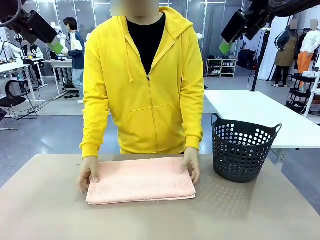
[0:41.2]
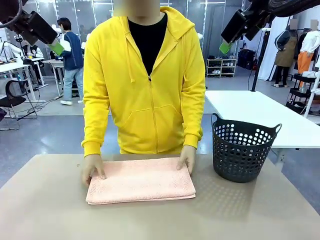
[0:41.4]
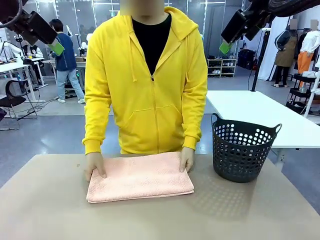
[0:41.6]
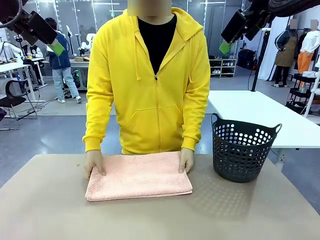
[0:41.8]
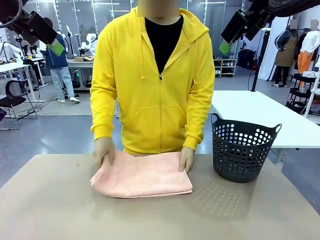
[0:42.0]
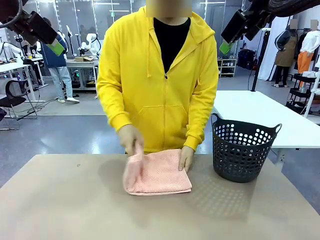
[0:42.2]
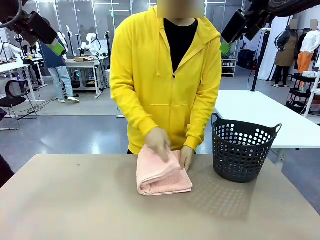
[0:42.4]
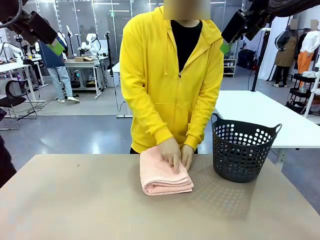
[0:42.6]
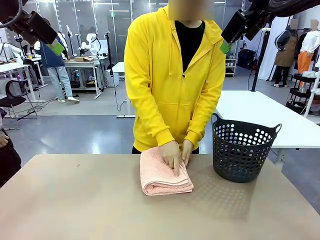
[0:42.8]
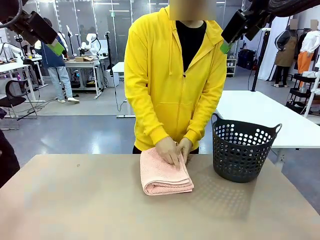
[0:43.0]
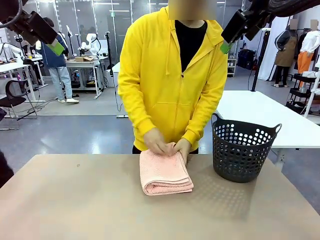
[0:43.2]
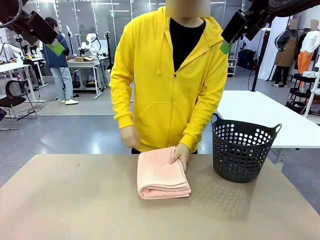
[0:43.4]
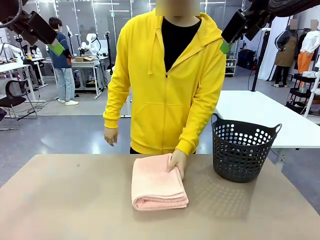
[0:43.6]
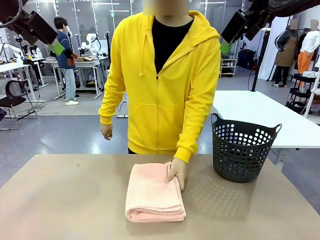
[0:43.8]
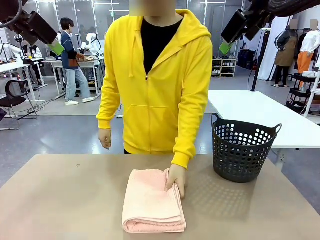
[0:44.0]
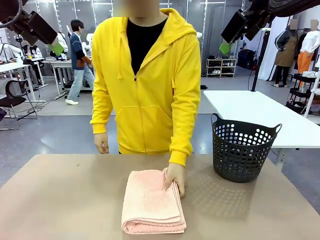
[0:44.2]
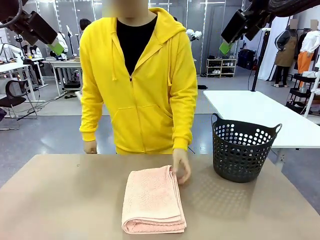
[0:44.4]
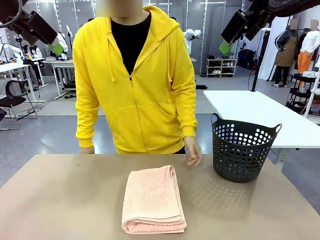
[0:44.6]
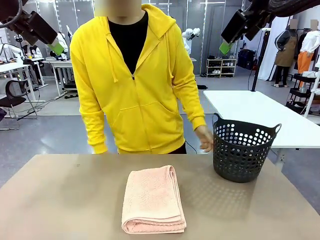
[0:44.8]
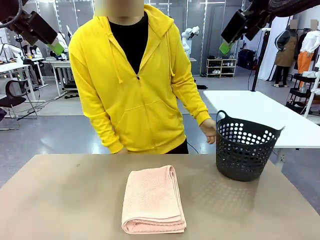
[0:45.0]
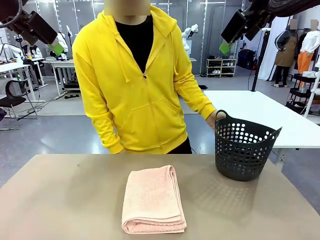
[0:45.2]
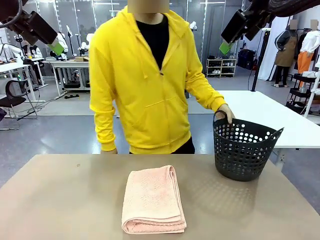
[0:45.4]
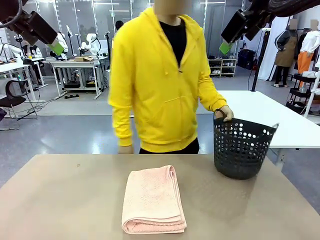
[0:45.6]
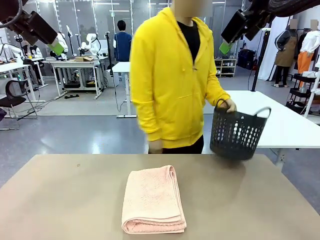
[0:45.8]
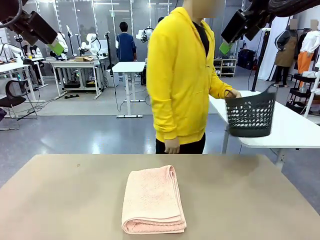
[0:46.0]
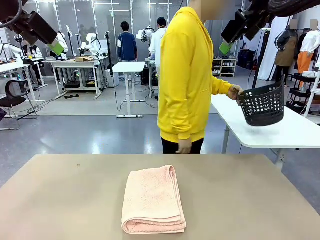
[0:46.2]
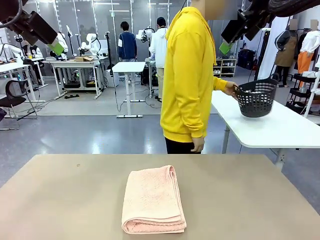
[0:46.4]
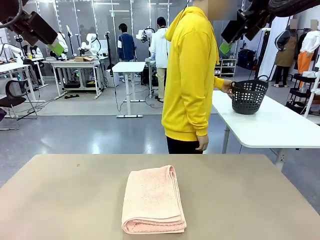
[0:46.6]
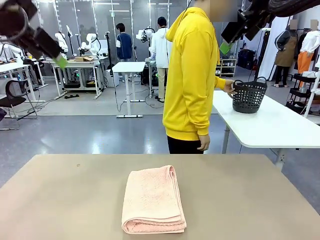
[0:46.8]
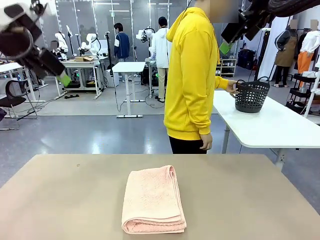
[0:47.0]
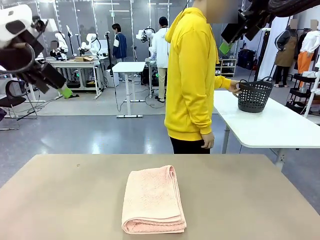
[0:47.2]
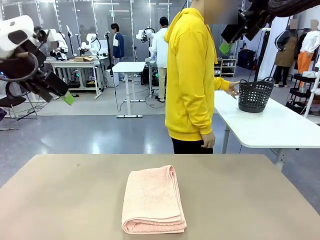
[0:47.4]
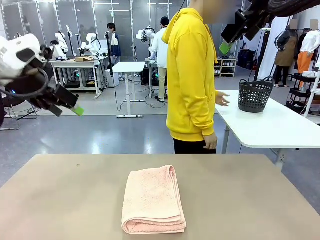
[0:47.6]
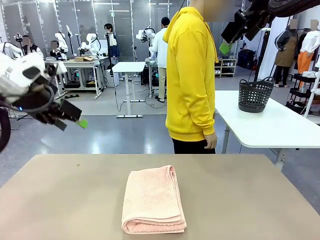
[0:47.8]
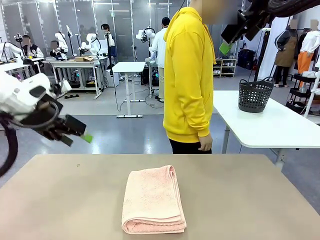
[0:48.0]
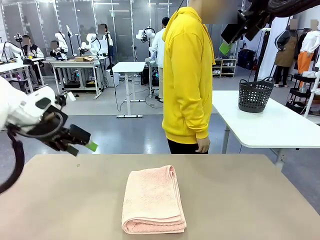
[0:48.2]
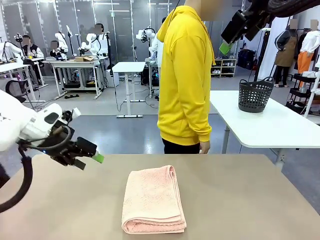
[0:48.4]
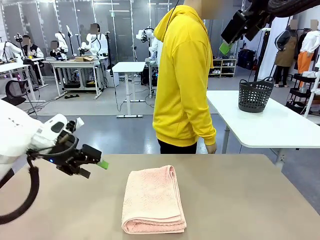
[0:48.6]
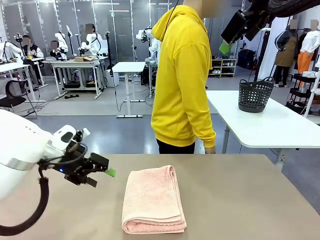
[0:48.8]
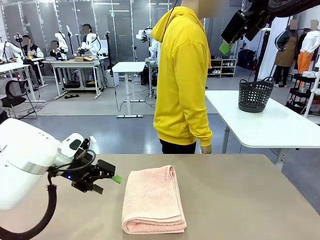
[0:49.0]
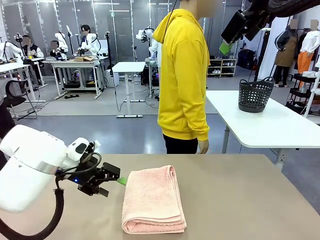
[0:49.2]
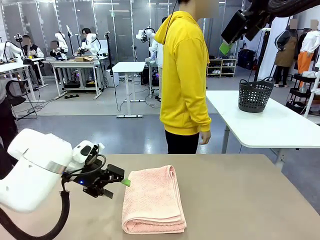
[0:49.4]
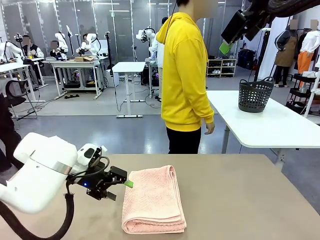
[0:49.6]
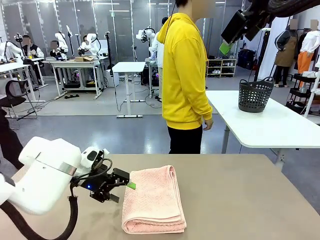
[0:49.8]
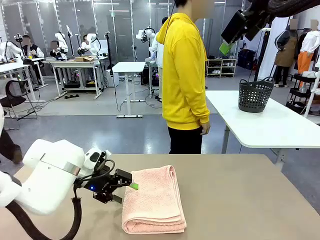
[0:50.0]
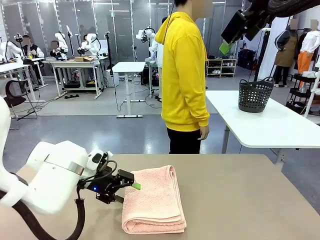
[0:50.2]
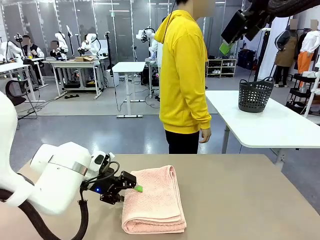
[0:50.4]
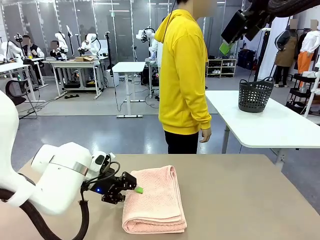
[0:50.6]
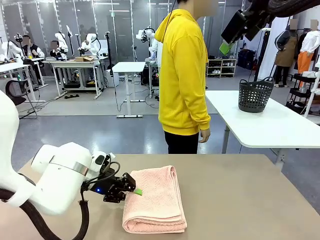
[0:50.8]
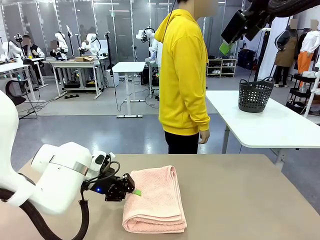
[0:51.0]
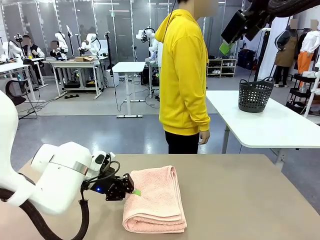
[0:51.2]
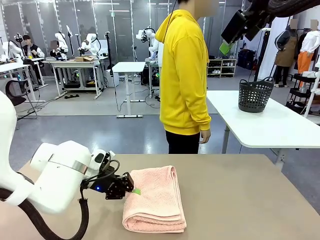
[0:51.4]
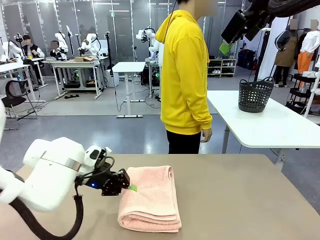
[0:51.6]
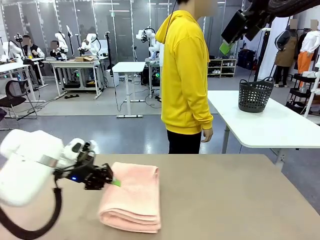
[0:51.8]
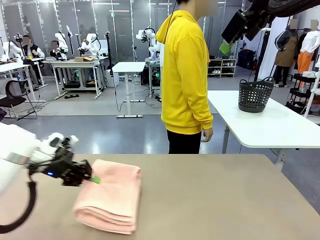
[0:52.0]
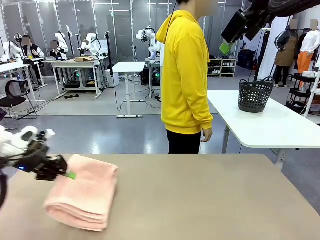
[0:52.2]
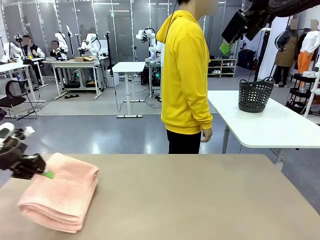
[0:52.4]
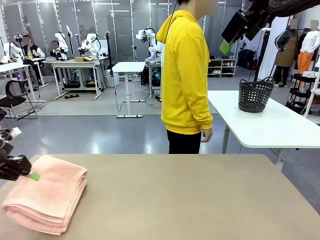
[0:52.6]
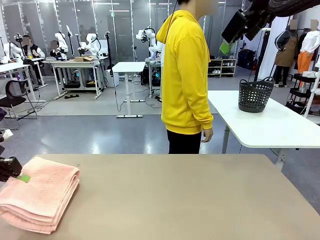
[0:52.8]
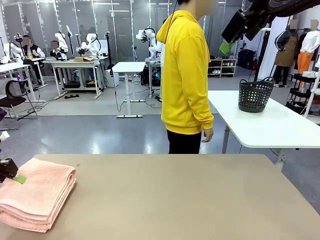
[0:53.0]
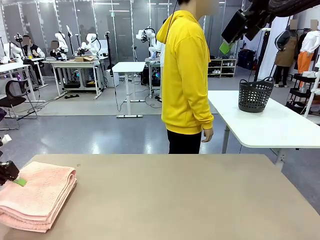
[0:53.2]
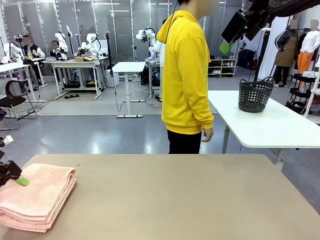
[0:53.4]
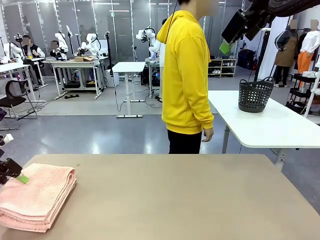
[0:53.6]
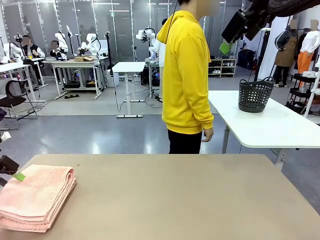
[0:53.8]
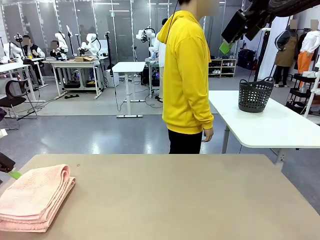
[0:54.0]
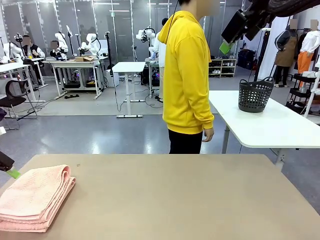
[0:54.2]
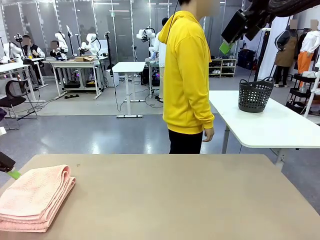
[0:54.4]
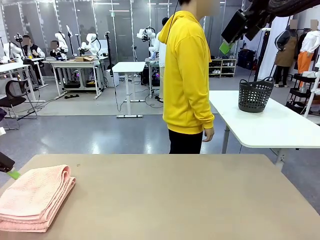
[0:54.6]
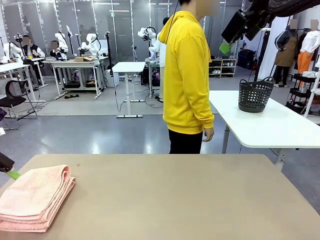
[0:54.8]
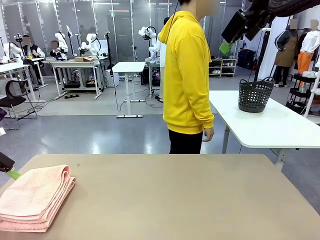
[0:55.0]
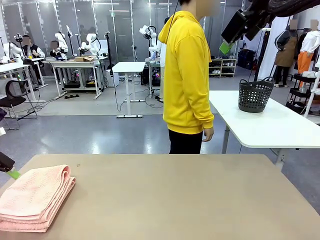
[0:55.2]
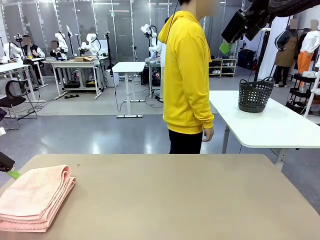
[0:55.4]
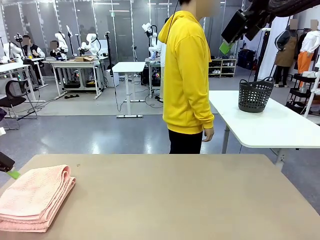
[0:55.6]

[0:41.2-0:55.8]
Task: Fold the towel.
Robot: Pick up the 100 cm Hotel Towel and place it on the left side of the table.
Person: Pick up the laundry basket and place it at the center of the human table.

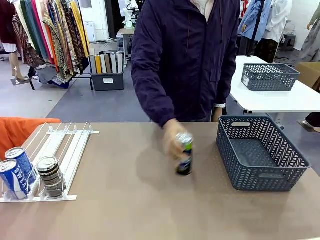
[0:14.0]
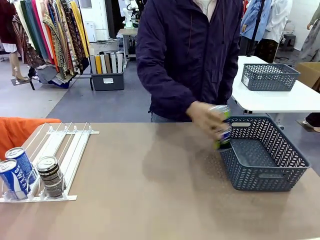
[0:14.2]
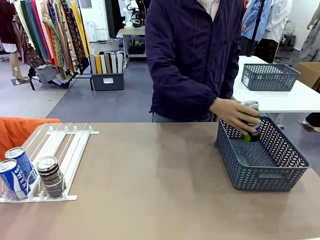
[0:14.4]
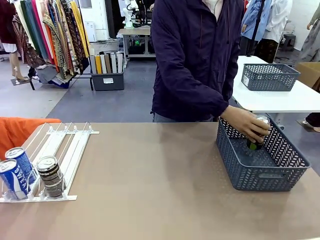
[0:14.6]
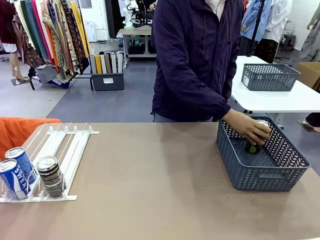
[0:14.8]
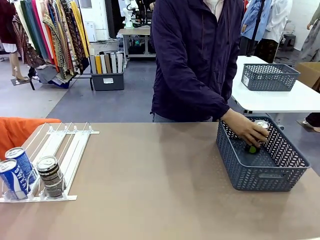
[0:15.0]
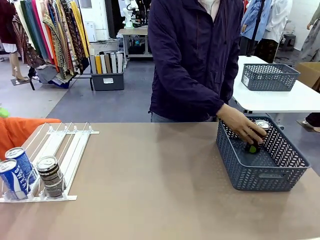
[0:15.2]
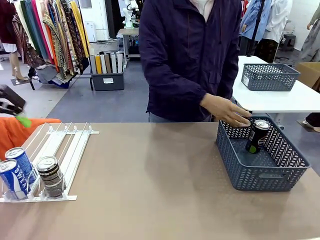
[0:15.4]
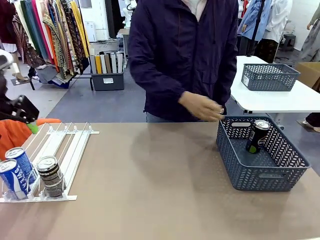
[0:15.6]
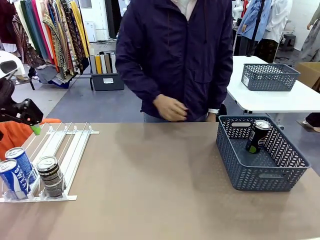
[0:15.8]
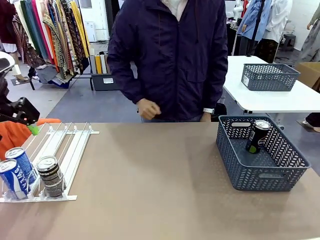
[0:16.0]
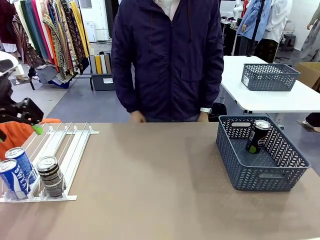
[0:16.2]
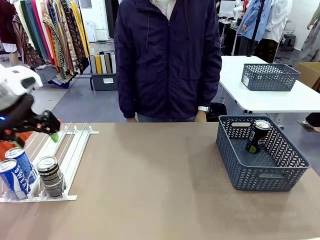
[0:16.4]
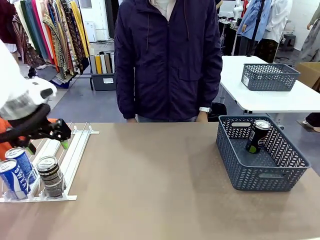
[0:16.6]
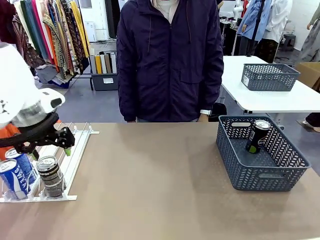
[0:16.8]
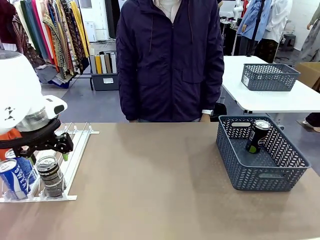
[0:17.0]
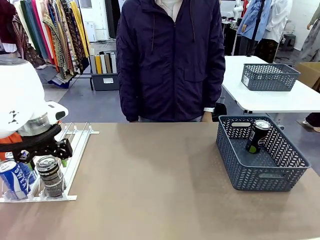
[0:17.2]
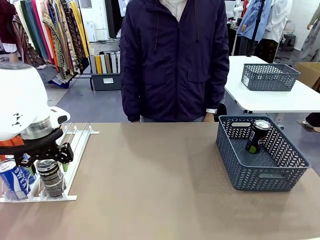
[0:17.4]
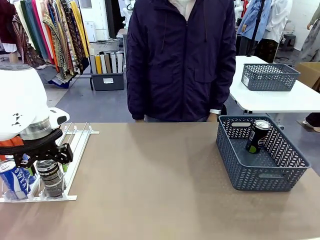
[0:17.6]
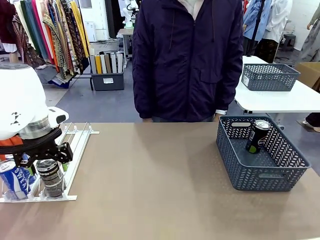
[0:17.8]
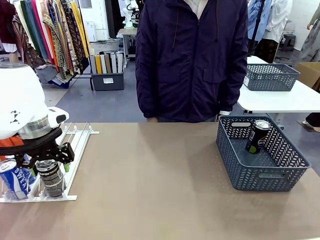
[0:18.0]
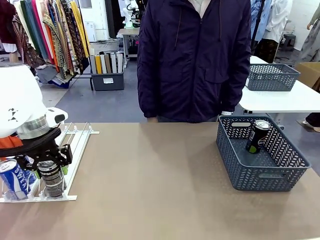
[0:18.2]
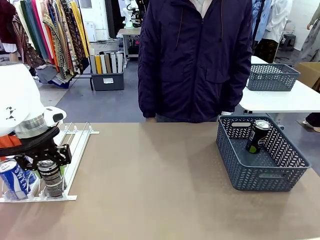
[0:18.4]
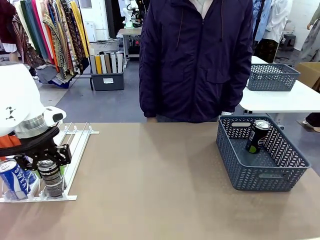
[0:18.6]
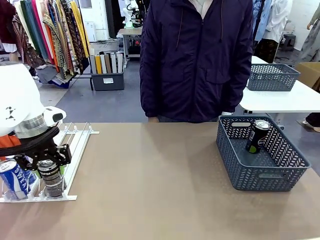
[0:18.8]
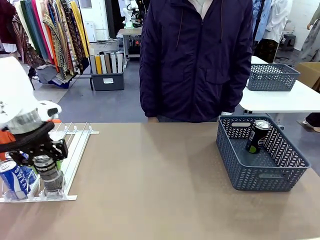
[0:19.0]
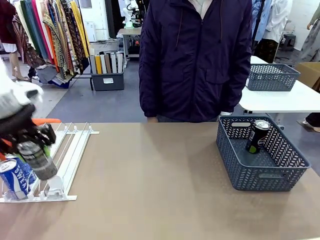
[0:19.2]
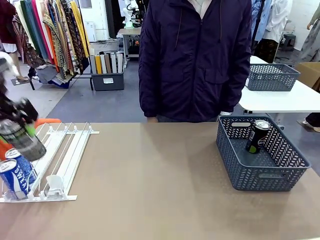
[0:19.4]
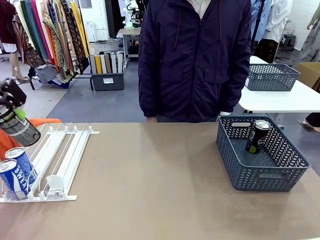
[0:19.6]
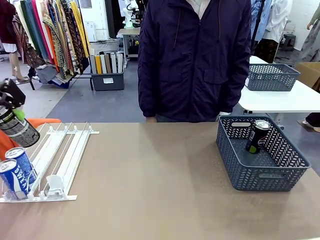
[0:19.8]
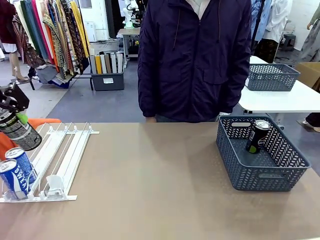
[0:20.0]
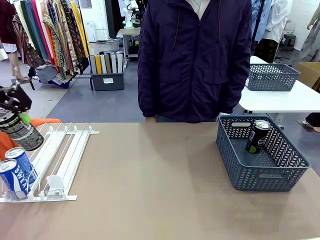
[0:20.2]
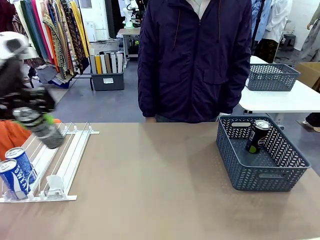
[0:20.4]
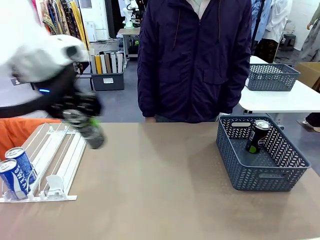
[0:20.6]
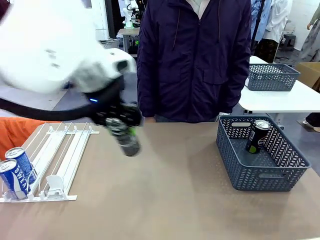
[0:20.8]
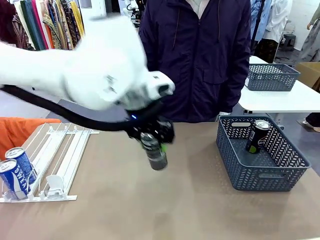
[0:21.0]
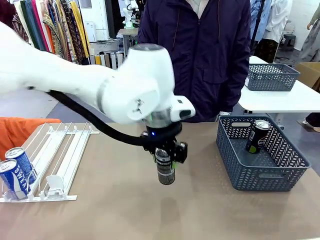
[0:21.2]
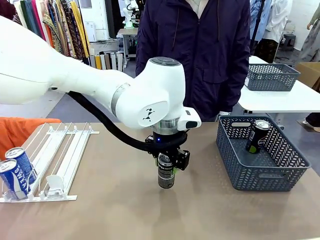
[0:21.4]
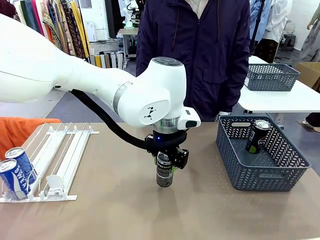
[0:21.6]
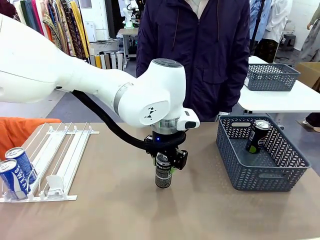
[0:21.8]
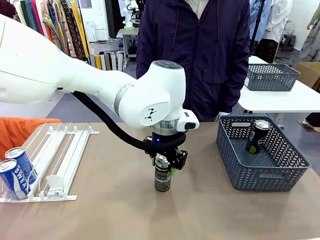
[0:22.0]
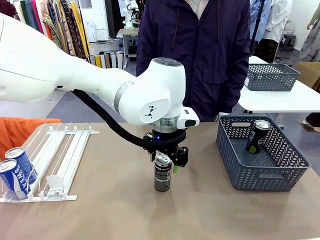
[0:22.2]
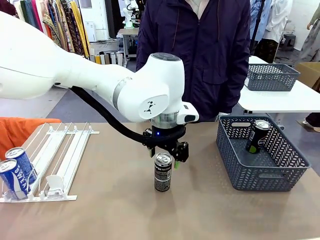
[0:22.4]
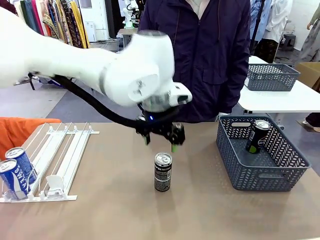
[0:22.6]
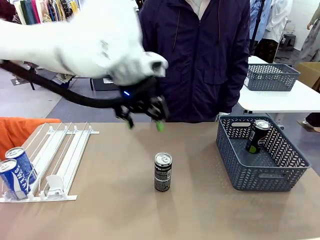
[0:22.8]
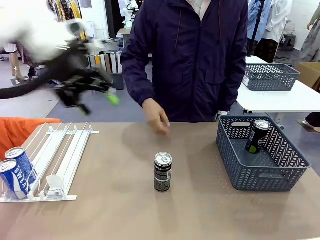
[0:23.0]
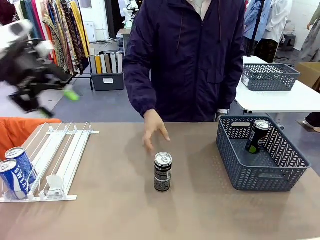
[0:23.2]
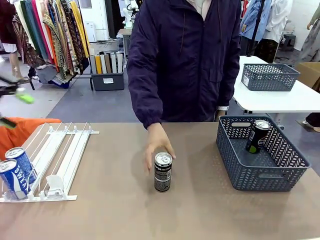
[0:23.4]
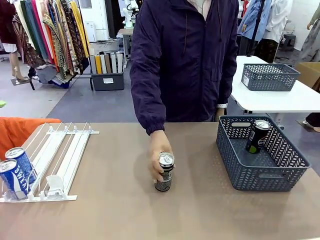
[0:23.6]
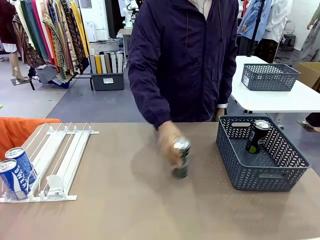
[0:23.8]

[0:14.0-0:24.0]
Task: Retrieve and store the cans from the dispenser.
Robot: Pick up the last remaining can from one row of the Automatic Can Dispenser and place it in the middle of the table.
Person: Pick up one Pepsi can from the middle of the robot table and place it in the basket.
